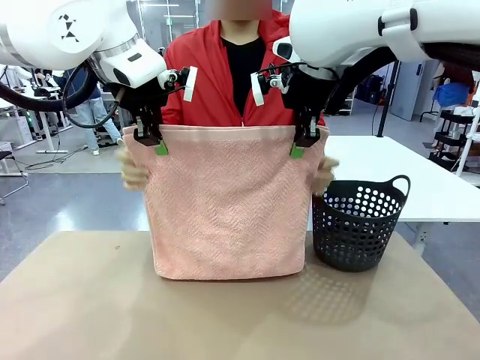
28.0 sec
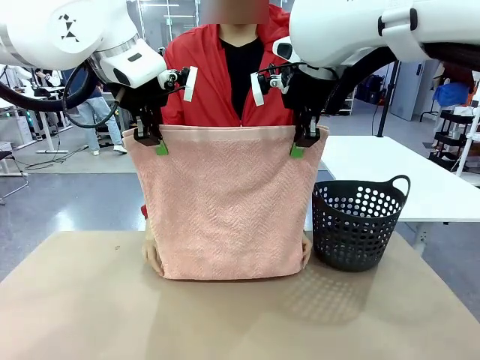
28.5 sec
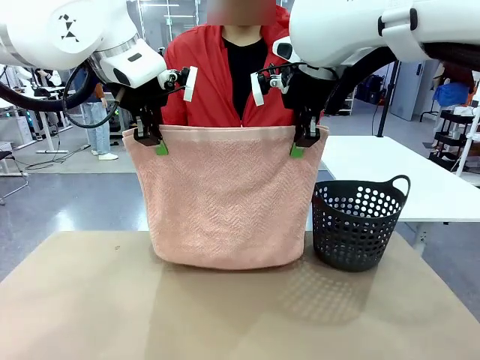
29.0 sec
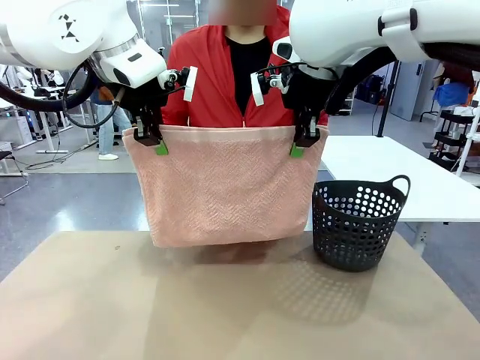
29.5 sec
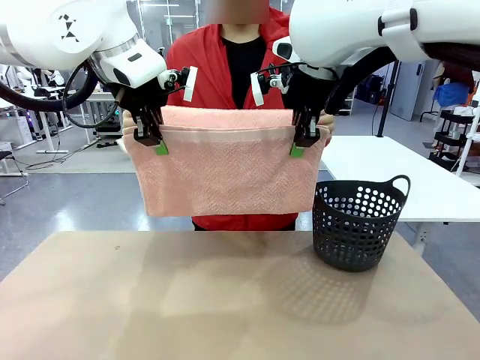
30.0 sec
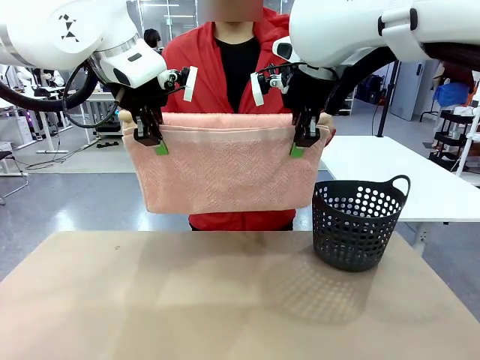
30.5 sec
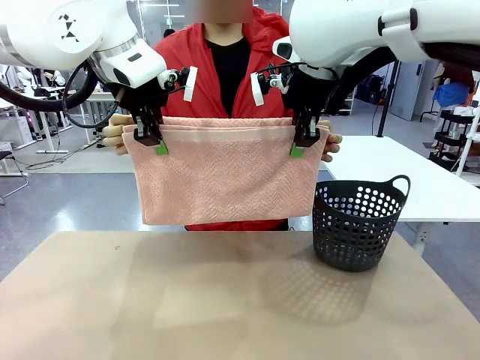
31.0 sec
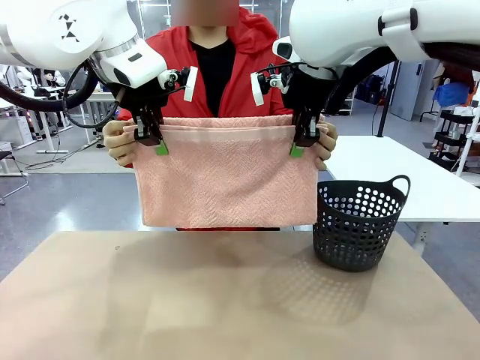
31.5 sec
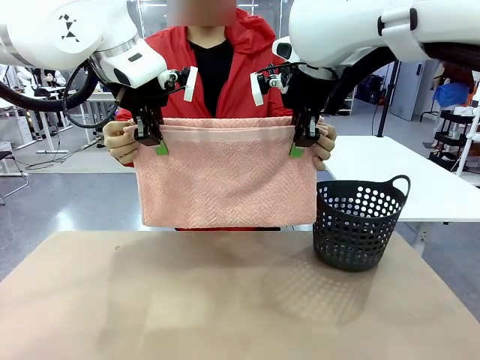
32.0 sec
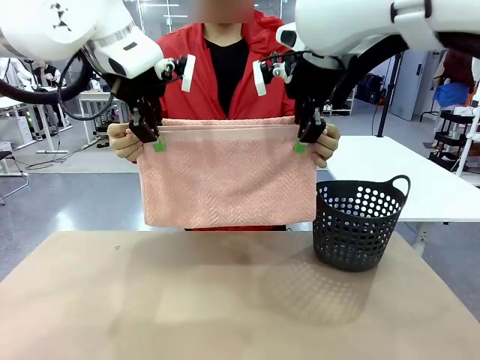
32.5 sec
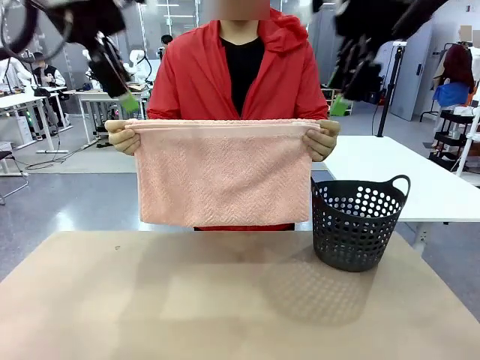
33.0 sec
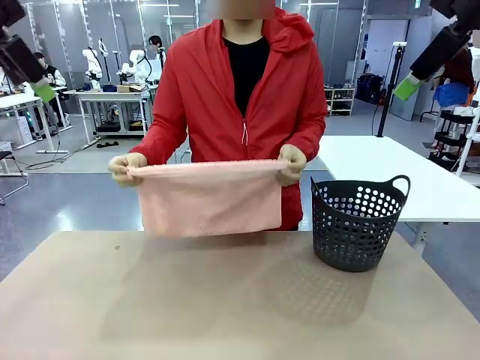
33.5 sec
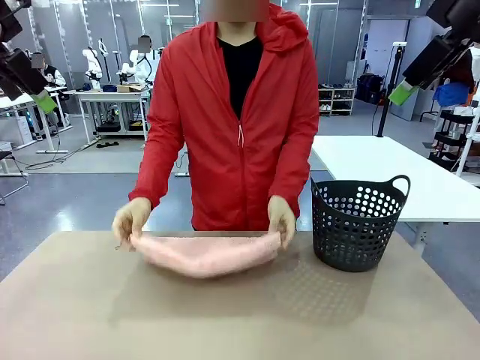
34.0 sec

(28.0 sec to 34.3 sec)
Task: Fold the towel.
Robot: Release the end of the 100 cm Hotel Towel you were holding.

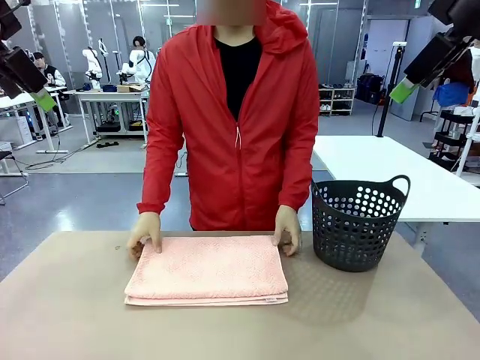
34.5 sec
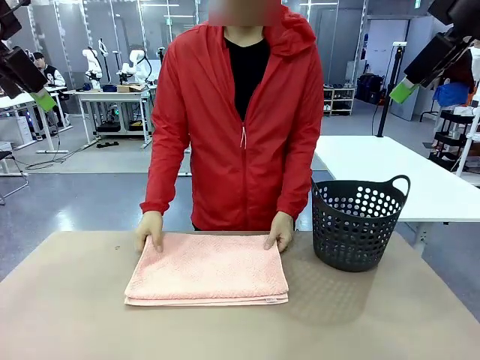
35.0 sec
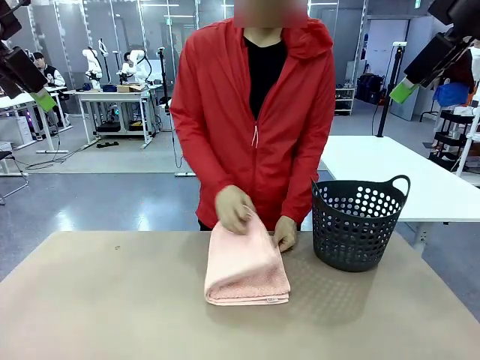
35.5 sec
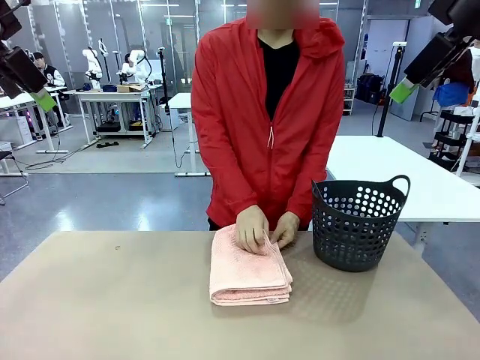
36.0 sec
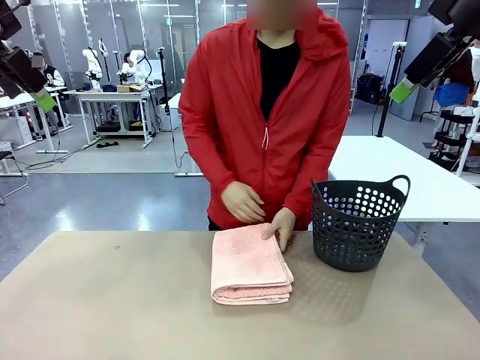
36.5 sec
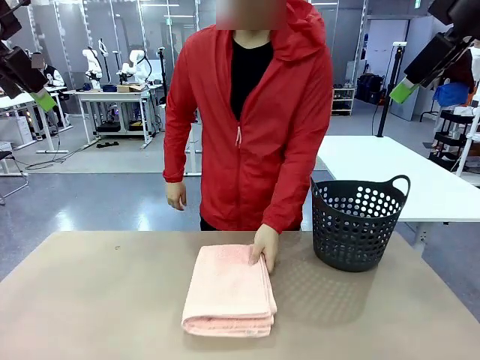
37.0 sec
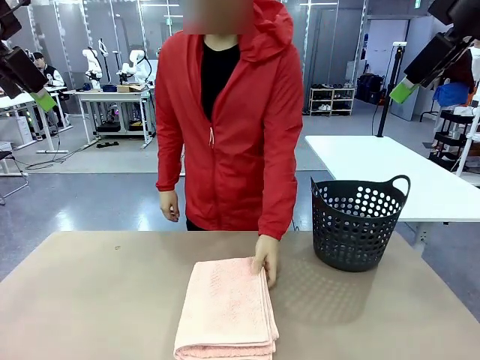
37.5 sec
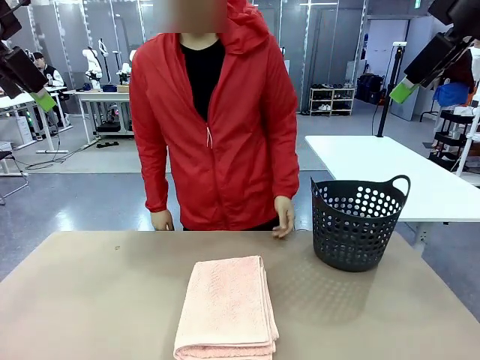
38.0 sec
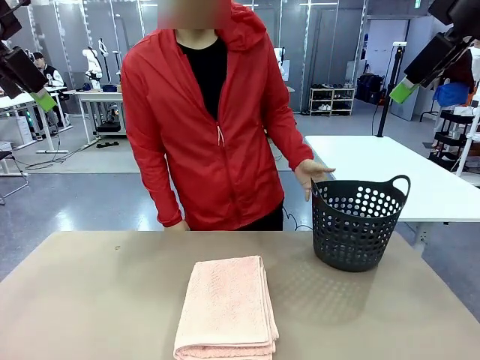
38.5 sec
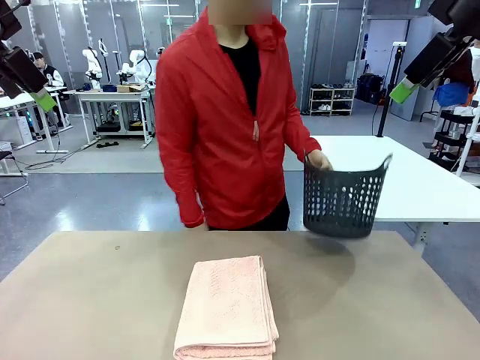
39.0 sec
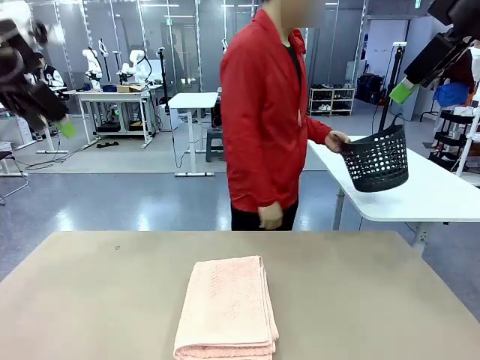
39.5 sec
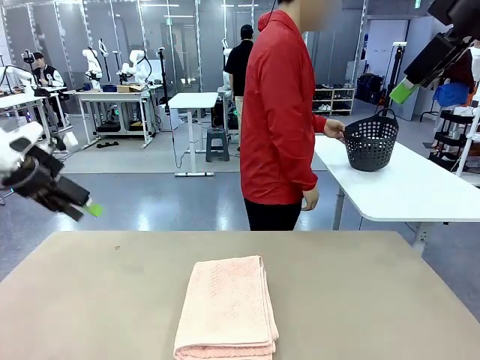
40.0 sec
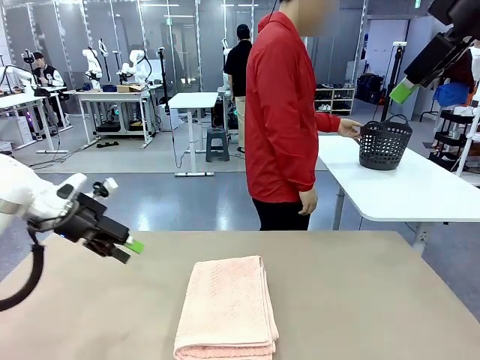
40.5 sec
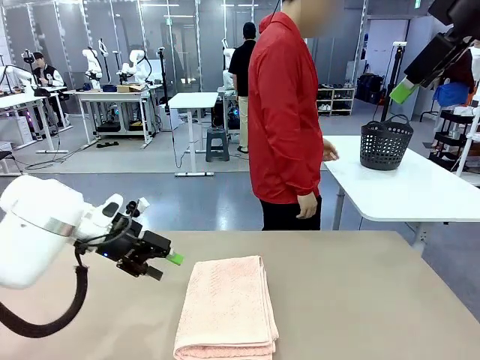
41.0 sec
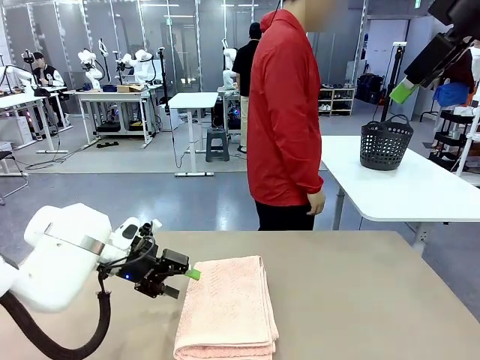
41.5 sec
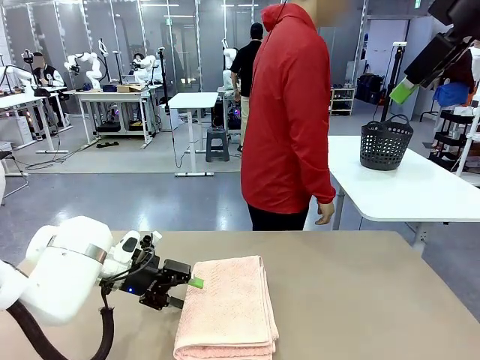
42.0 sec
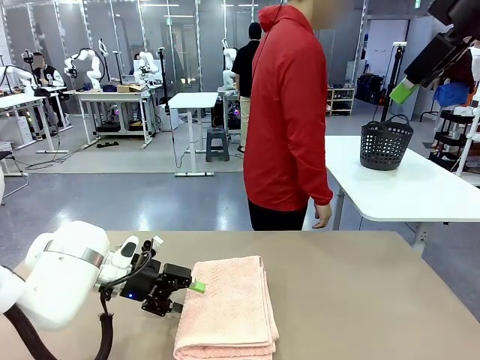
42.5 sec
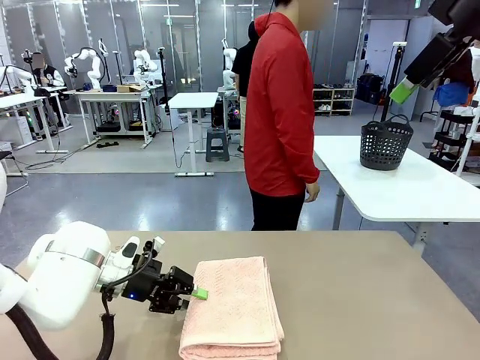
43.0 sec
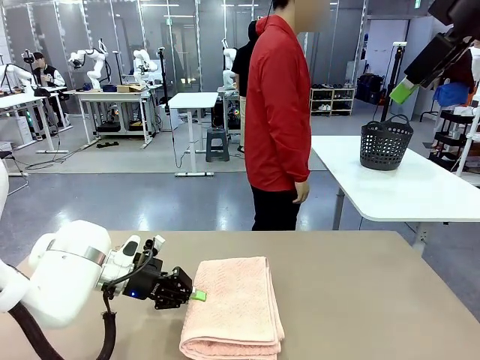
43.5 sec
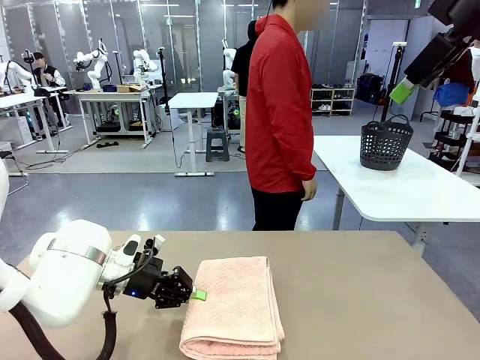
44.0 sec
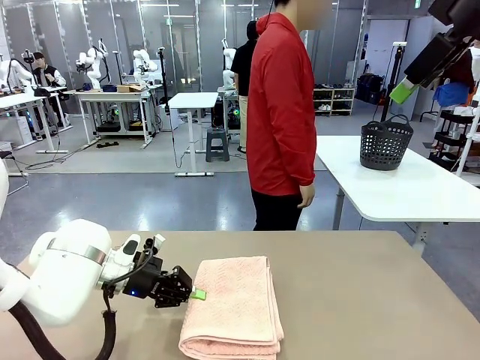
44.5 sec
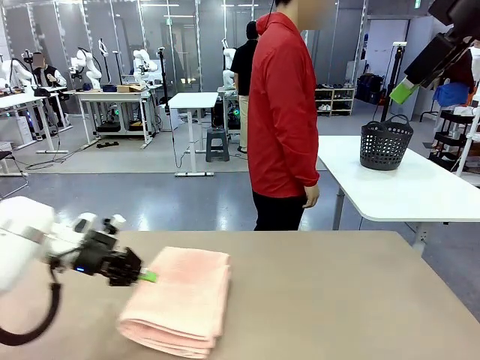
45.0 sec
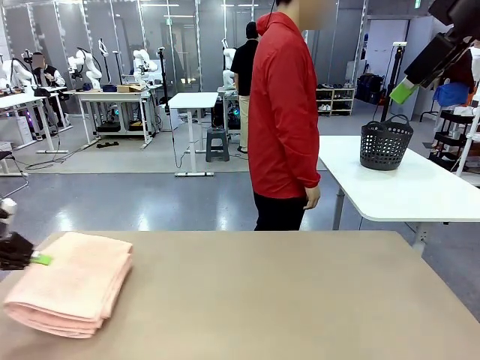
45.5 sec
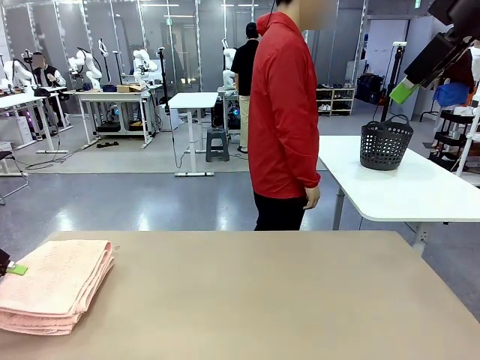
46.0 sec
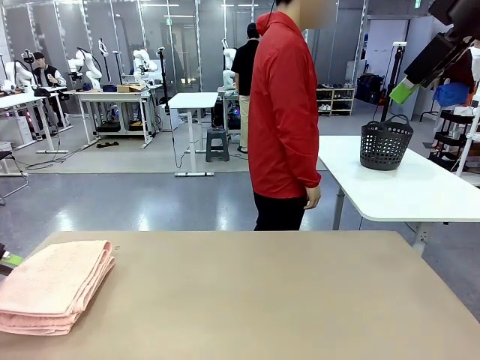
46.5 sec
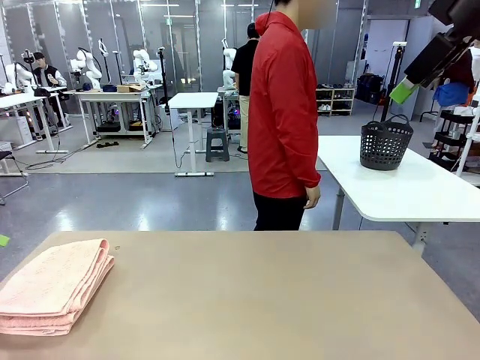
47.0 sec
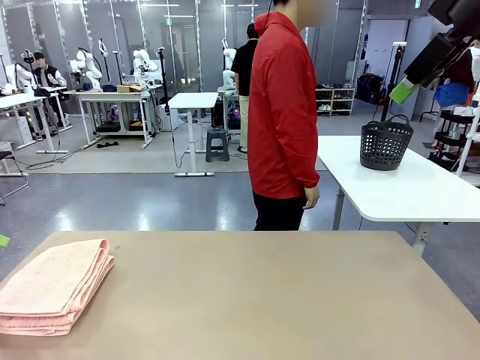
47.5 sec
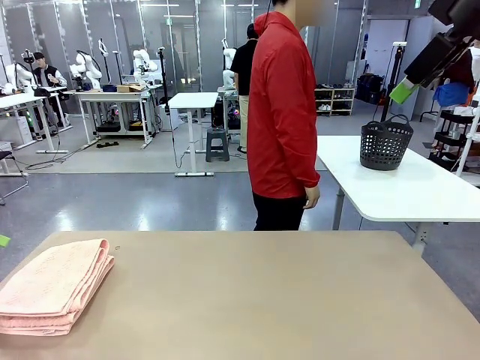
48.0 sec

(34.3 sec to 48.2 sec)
Robot: Pick up the 100 cm Hotel Towel and place it on the left side of the table.
Person: Place the towel at the center of the robot table and fold it in half. Pick up the laundry basket and place it at the center of the human table.

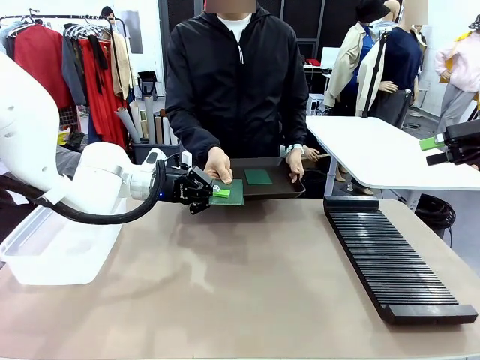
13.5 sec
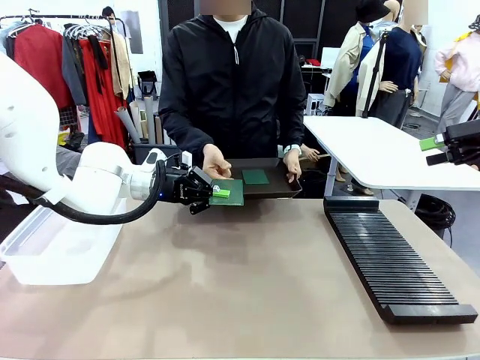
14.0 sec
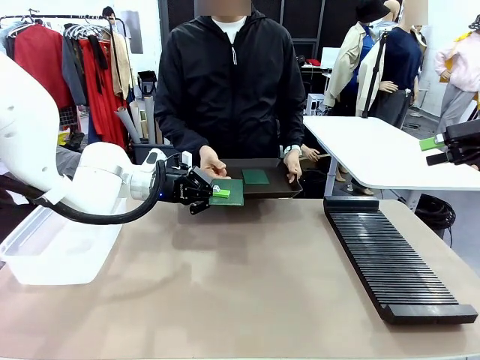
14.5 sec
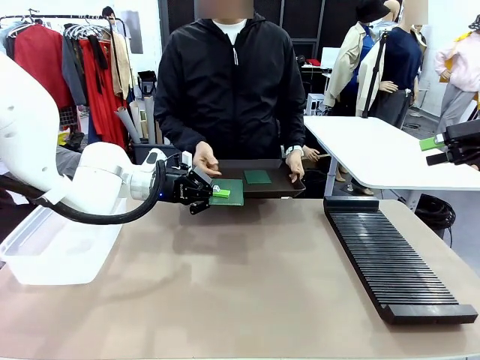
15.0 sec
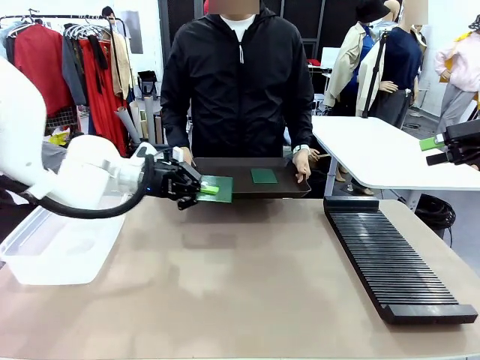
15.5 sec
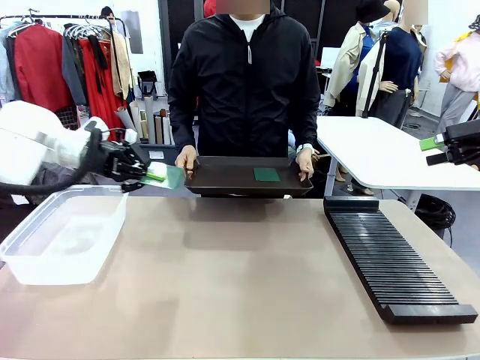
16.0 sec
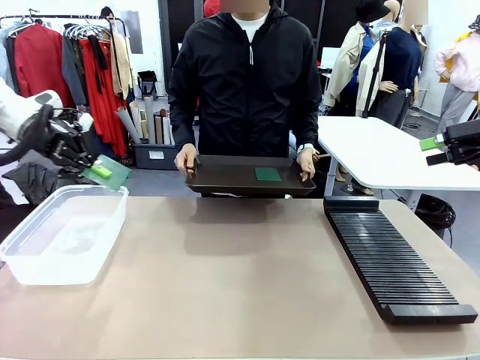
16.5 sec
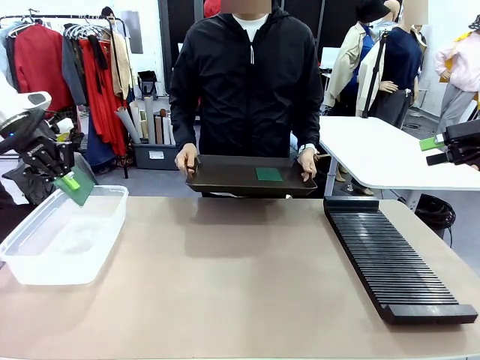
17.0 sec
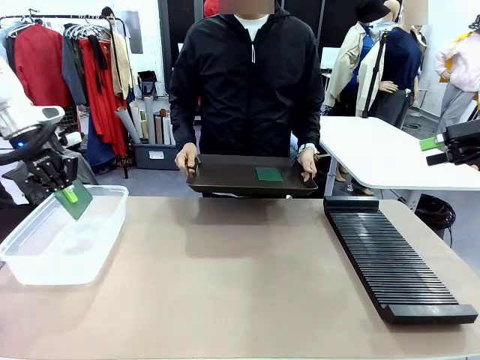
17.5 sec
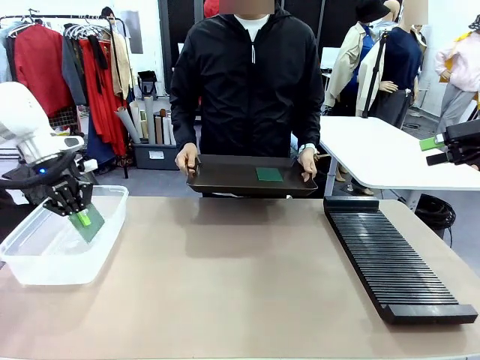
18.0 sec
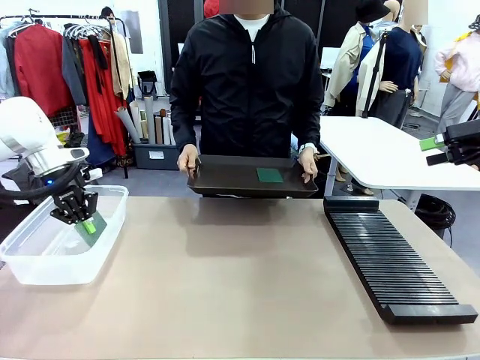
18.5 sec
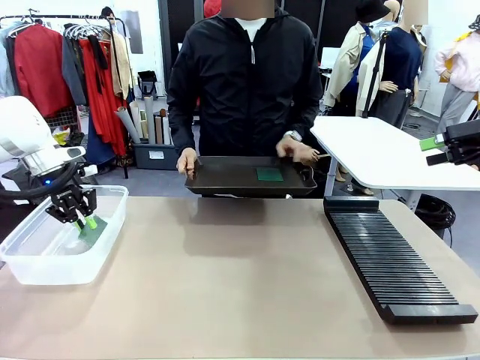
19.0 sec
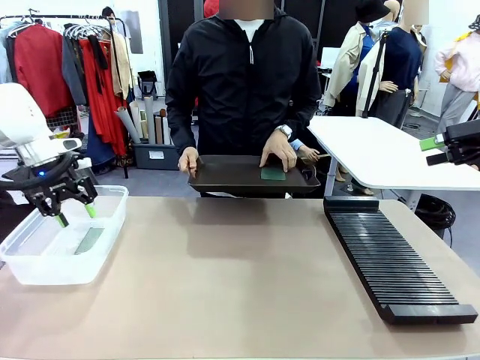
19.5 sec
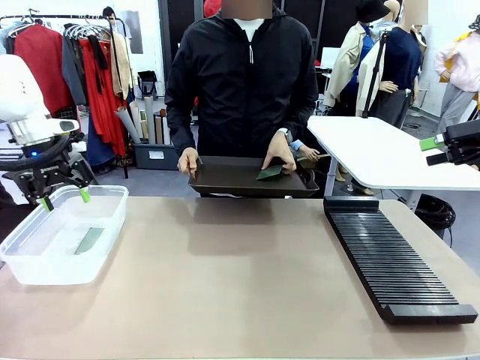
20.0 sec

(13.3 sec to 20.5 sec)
Task: Sort PCBs into racks and boxes based on the side picked up.
Robot: If the short side of the Blank PCB is picked up, insert it into the PCB Rack ; if the long side is picked up, place it in the Organizing box.
Person: Pick one PCB from the tray and present it to the robot.
